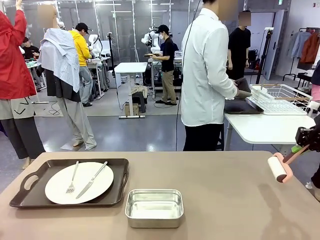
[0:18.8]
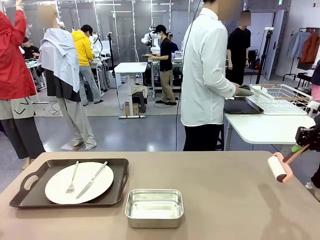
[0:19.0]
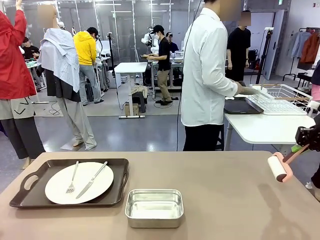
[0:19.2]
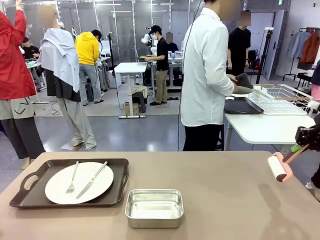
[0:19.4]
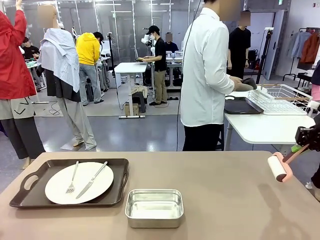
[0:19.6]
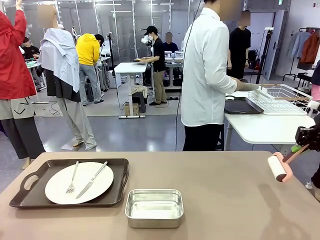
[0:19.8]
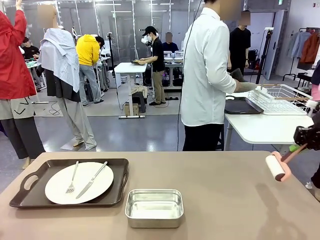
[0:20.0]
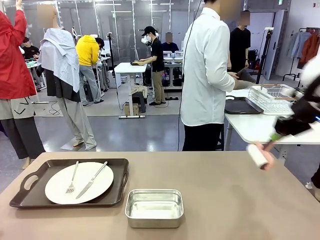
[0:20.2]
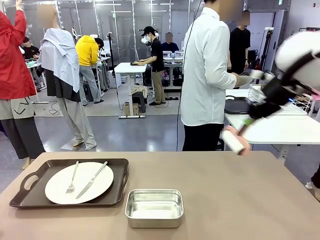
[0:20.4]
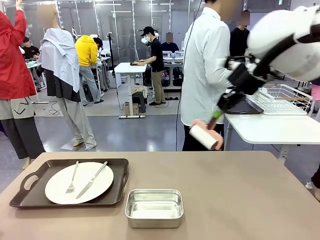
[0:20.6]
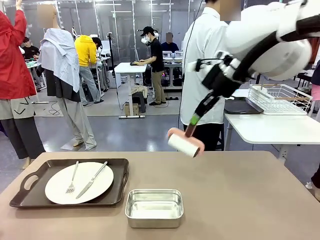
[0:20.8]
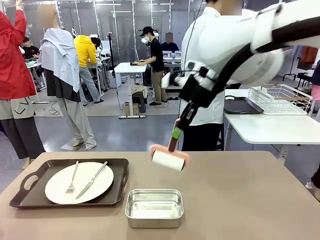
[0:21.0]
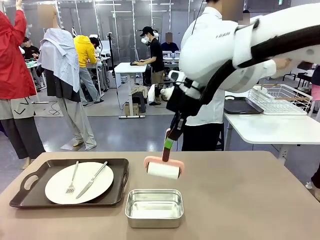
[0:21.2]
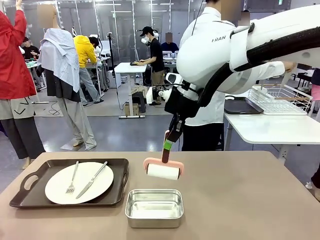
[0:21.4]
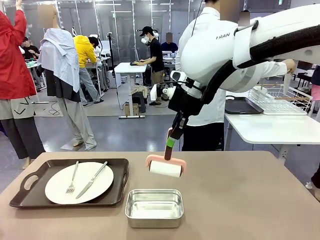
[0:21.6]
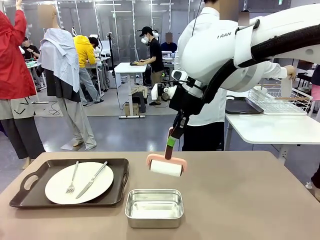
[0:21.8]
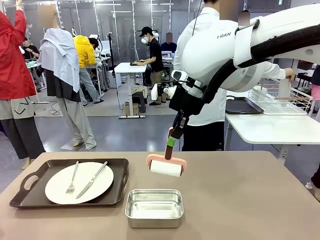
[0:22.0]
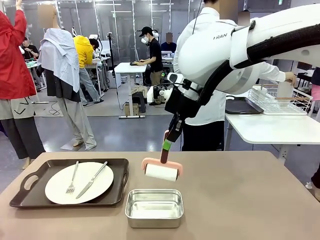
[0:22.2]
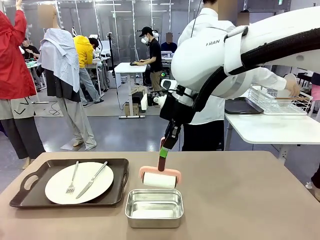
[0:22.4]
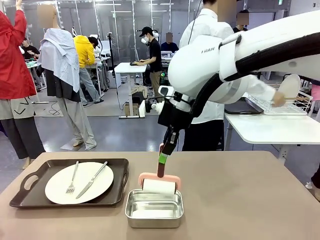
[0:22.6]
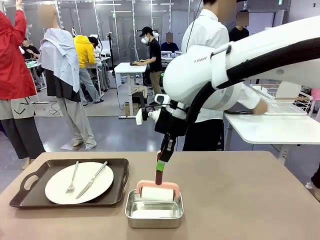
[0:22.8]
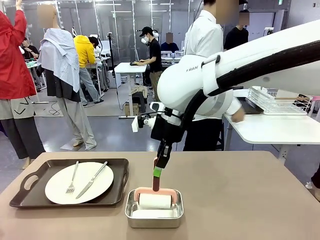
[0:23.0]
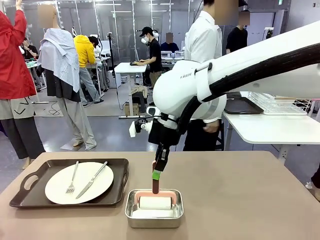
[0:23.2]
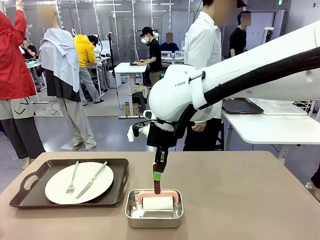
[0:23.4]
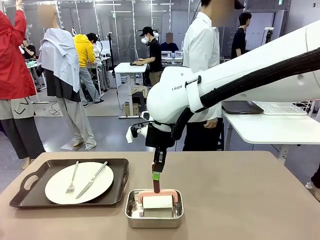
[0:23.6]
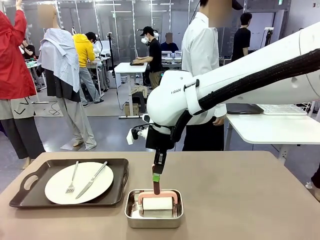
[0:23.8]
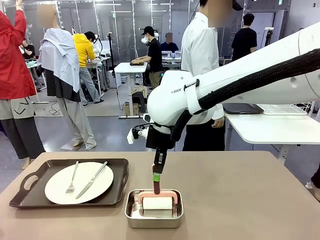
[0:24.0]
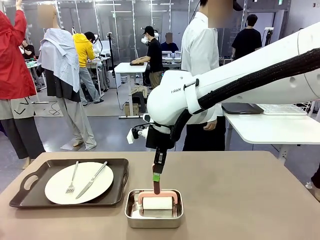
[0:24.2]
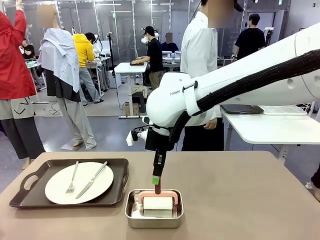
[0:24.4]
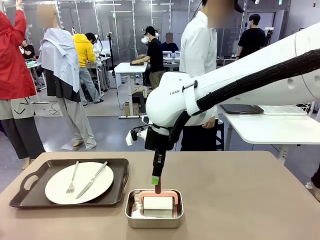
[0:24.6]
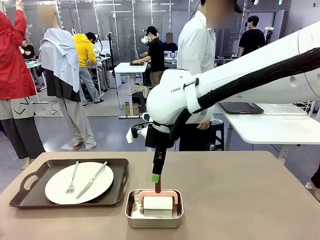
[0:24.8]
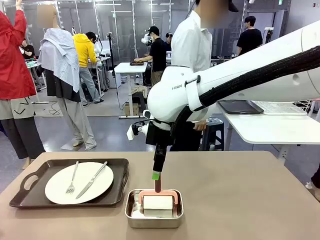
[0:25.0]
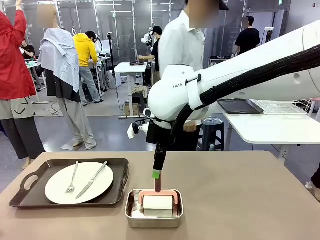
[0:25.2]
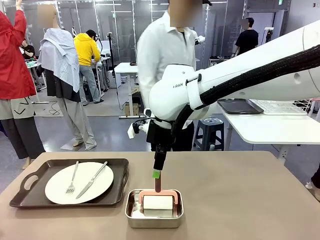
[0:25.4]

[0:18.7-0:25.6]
Robot: Place the Lint Roller back on top of the Airtight Container.

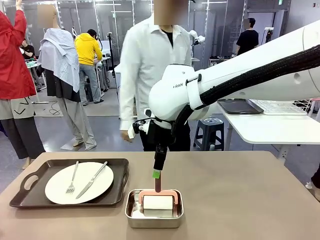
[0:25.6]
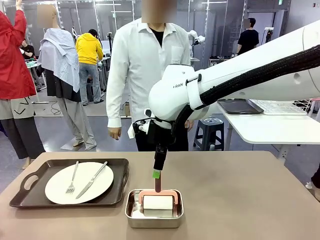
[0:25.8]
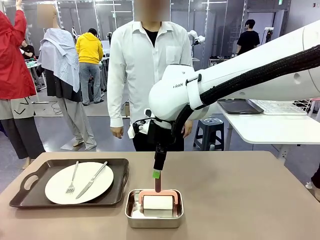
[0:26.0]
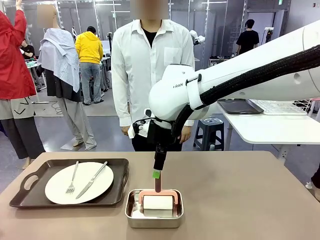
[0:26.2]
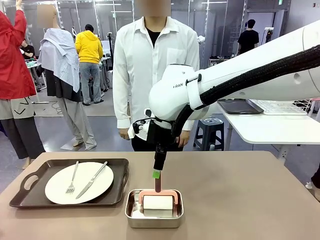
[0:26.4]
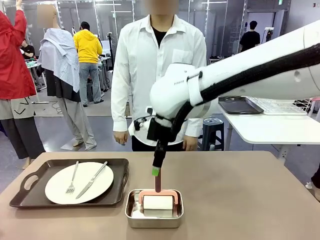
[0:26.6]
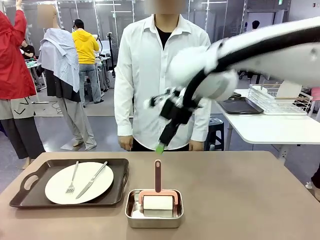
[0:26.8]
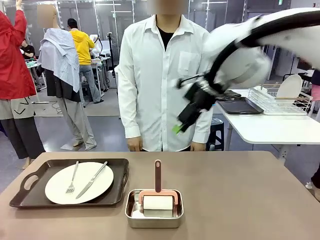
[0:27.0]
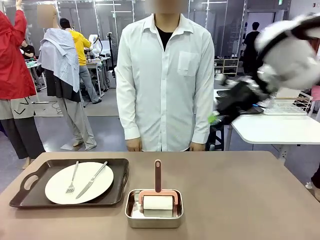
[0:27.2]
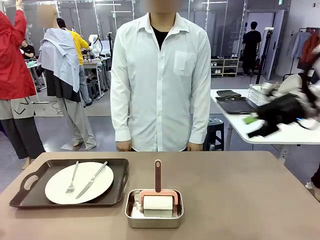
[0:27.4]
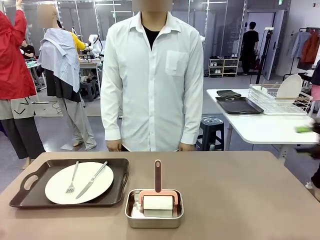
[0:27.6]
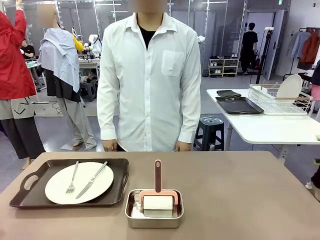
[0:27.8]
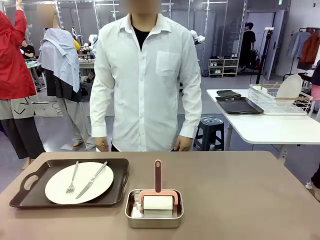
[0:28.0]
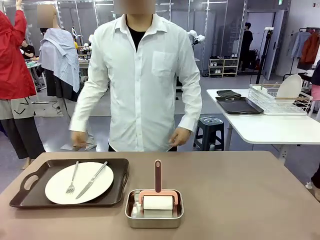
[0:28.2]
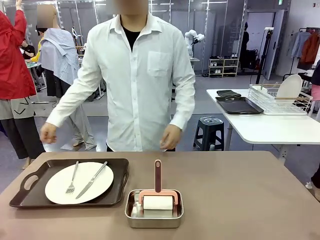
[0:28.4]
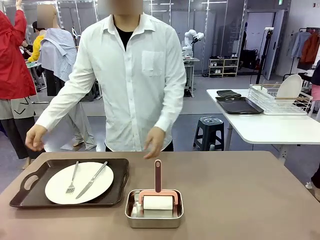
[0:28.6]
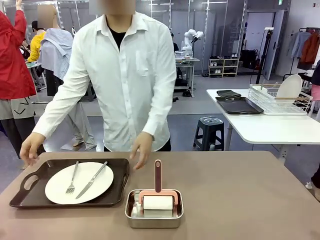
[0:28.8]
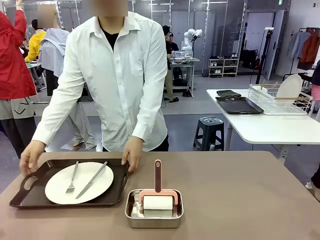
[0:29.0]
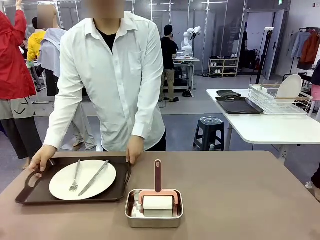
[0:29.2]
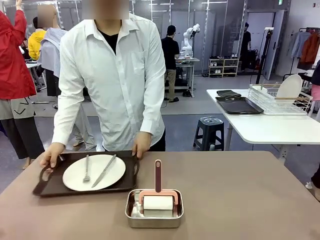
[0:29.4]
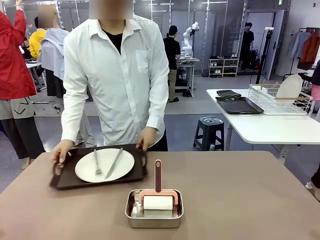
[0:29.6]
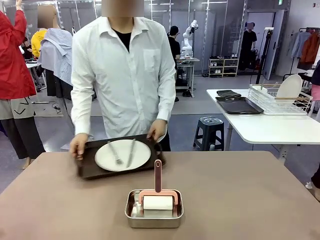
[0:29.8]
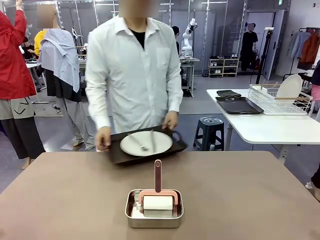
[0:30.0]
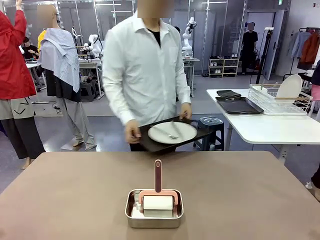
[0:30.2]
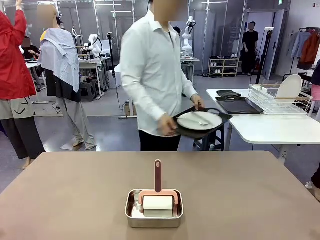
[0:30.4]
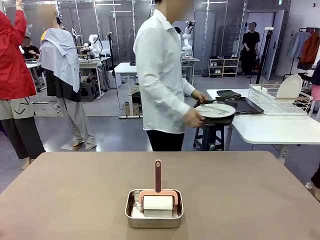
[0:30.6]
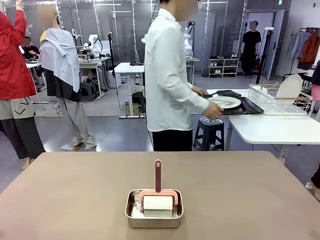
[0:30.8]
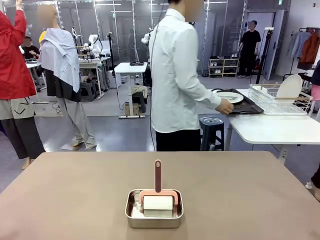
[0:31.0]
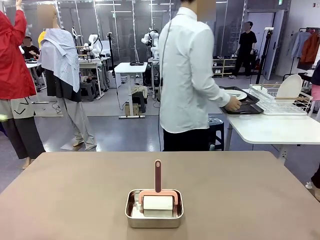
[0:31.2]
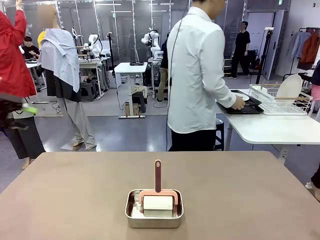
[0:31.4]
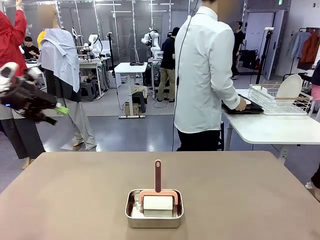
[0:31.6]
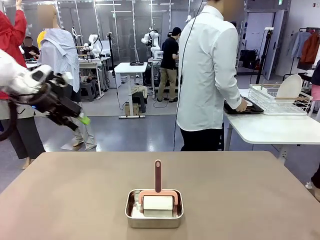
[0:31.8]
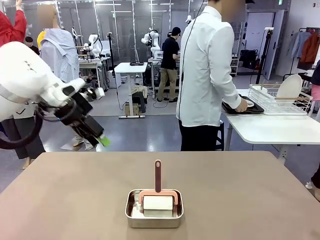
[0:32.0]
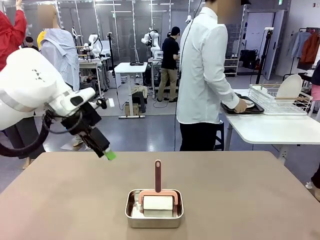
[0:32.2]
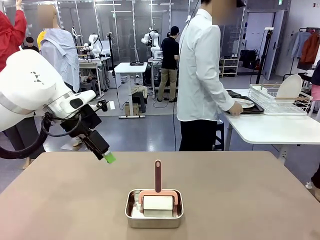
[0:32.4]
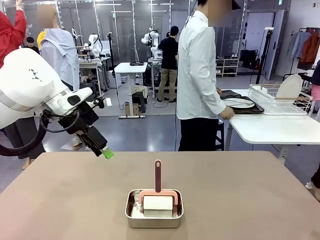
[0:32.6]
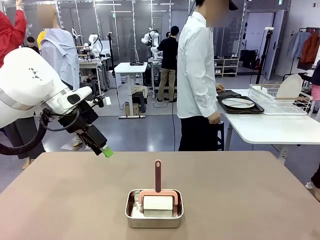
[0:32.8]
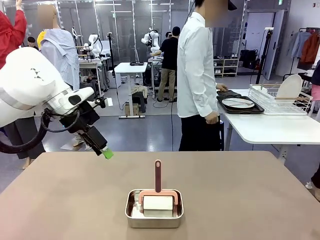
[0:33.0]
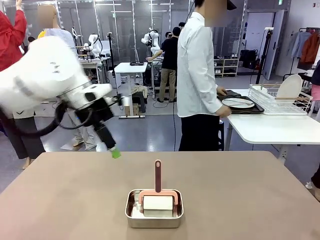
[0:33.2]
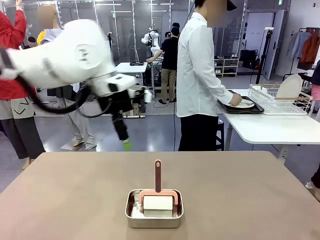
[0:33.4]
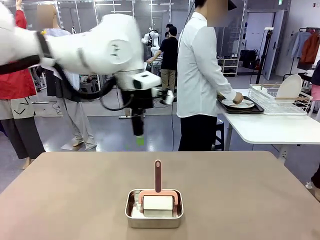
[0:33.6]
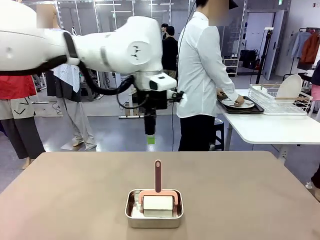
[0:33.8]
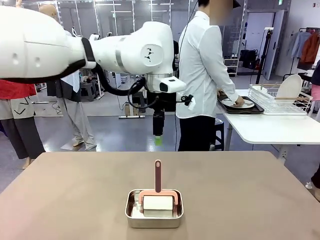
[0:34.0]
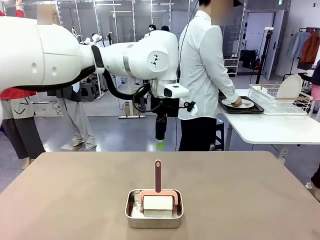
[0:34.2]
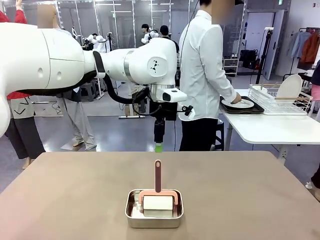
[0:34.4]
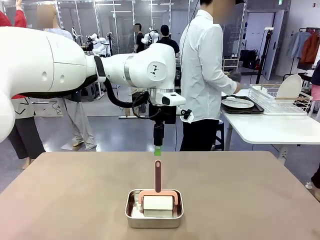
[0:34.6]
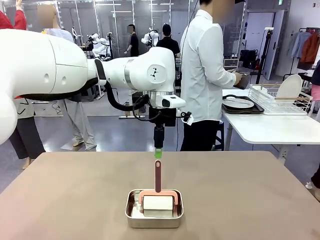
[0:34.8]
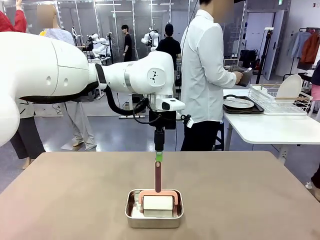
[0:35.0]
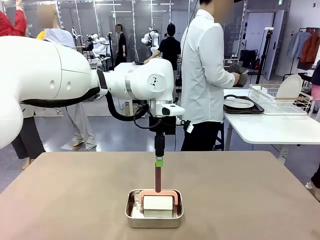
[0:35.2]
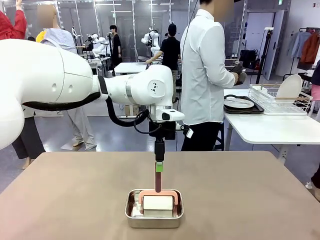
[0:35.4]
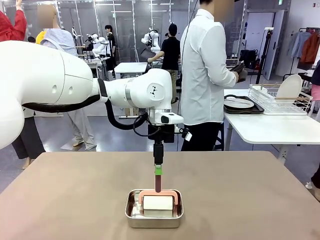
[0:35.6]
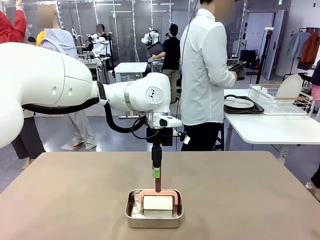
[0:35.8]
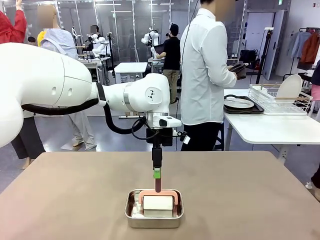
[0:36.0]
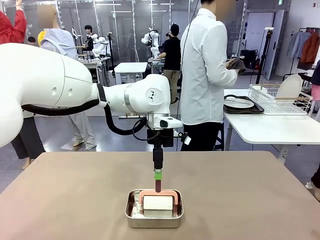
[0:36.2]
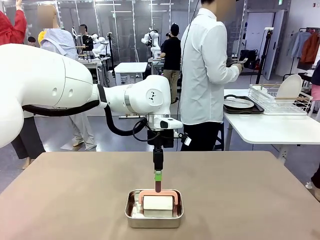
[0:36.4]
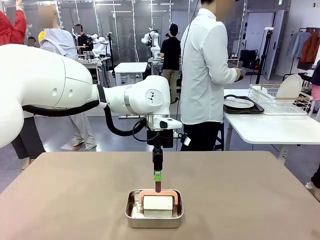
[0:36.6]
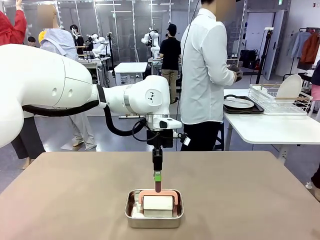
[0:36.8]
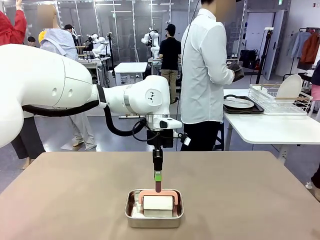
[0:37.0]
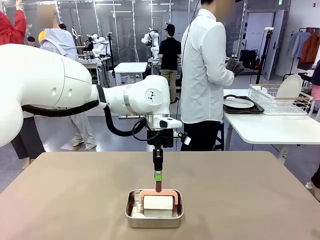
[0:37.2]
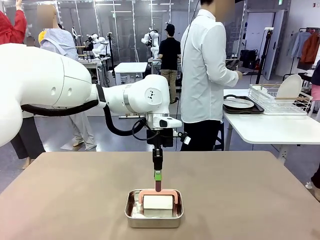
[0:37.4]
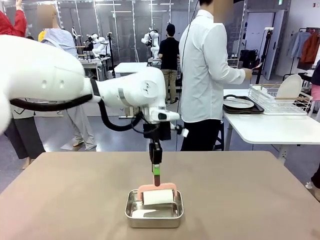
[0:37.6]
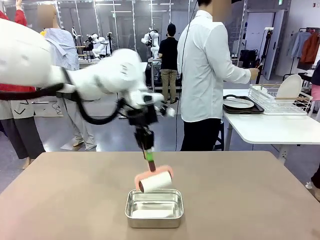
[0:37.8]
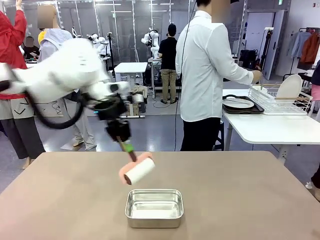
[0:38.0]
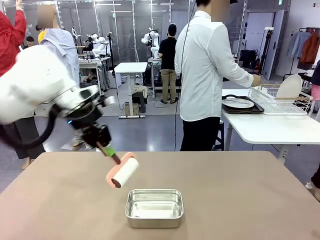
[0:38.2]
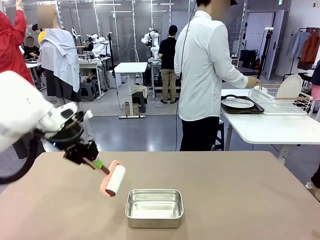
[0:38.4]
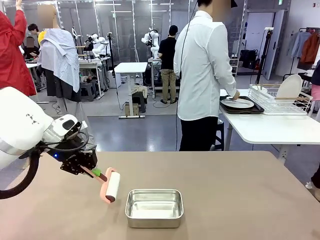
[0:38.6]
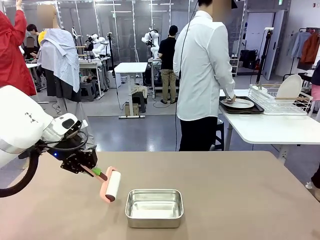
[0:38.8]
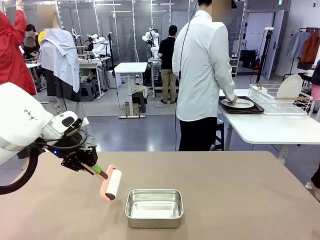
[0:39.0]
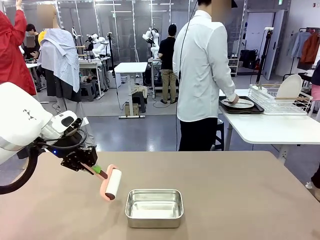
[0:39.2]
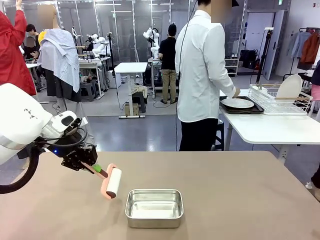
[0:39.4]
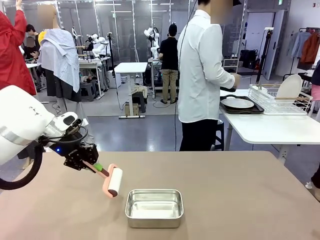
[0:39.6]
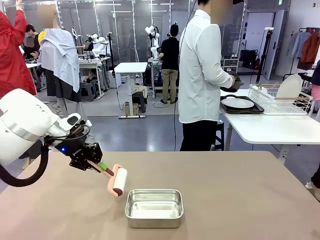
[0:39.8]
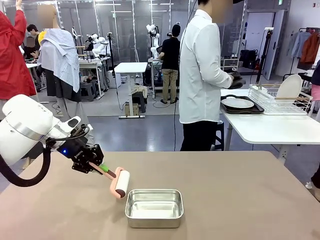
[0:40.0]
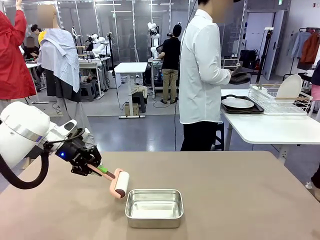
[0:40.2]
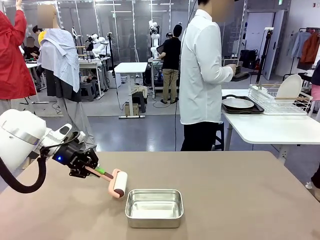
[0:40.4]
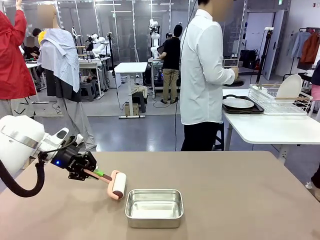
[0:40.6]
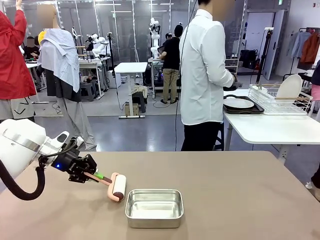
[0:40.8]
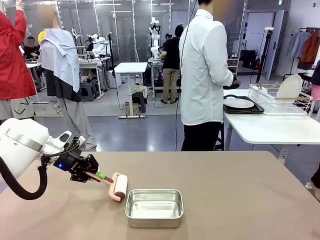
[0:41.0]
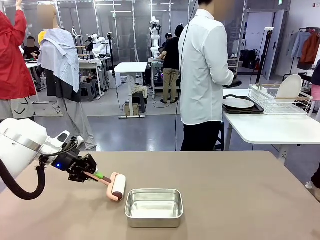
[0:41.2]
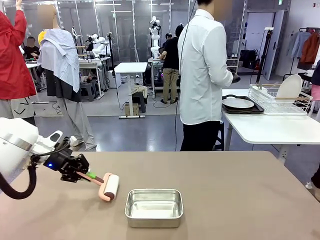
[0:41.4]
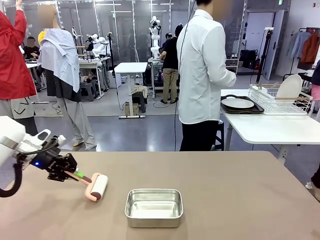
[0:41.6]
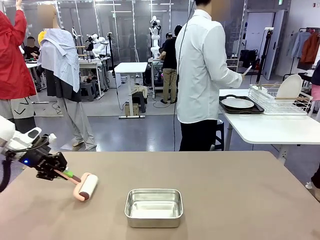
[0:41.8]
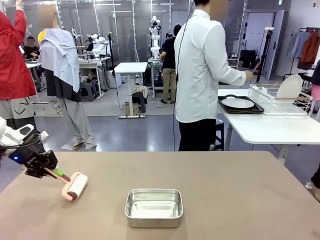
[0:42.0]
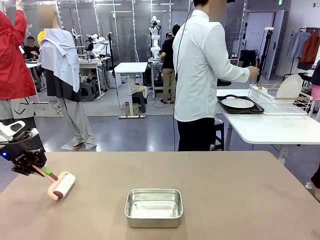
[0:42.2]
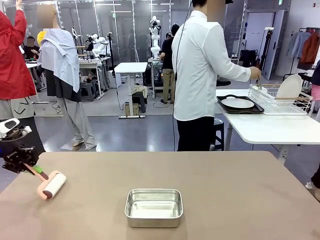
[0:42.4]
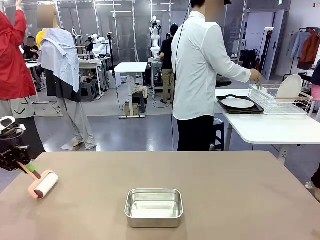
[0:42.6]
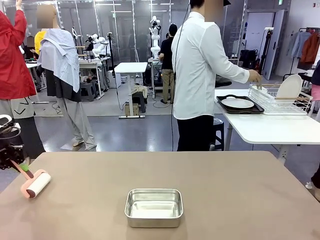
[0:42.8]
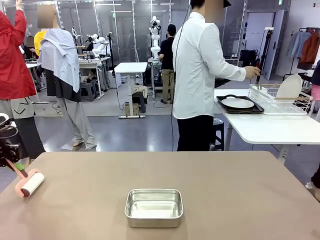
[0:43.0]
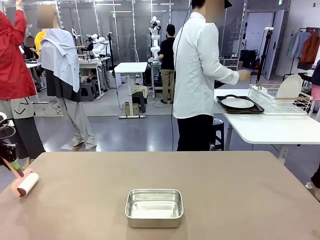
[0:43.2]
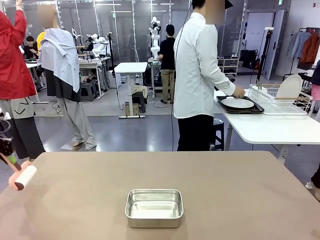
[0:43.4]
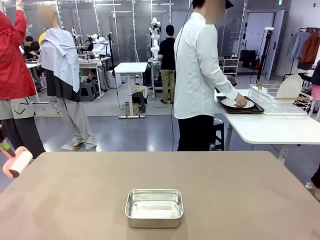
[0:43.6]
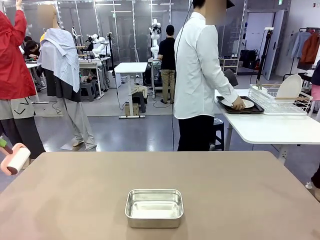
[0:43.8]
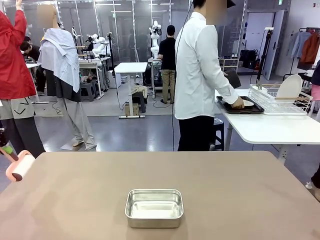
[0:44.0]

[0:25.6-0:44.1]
Robot: When the right (or left) Handle tray is removed, use the right hand (or left hand) to clean the right (or left) side of the table with the Lint Roller.
Person: Pick up the left (or right) Handle tray and place it on the Handle tray. Use the Towel with hook to wipe the Plastic Matte Plate , Fork , and Knife and place into the Dish drying rack.
